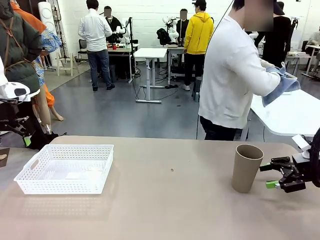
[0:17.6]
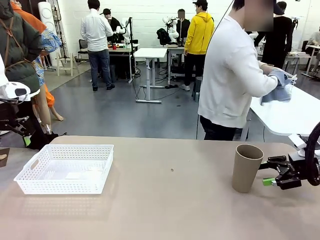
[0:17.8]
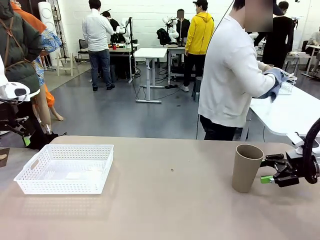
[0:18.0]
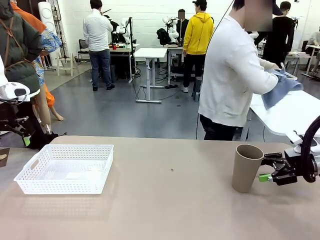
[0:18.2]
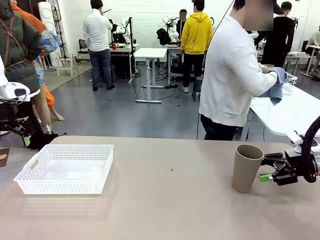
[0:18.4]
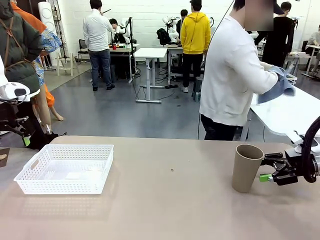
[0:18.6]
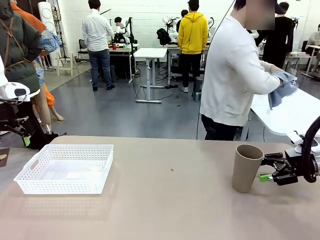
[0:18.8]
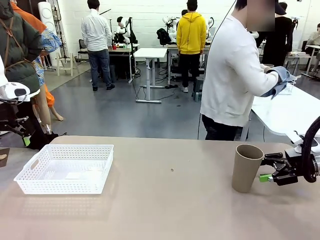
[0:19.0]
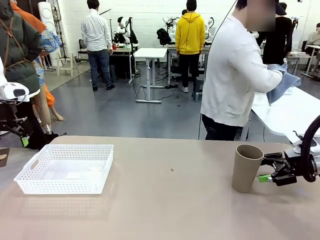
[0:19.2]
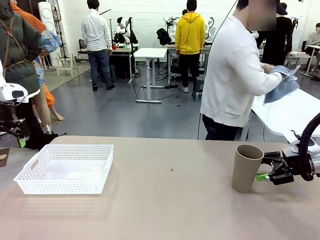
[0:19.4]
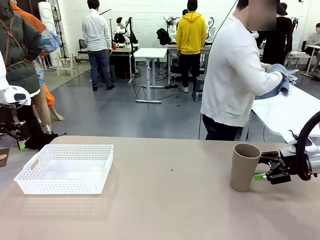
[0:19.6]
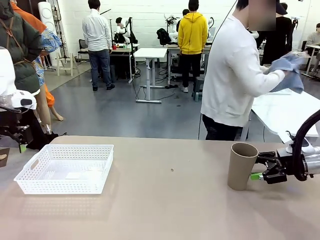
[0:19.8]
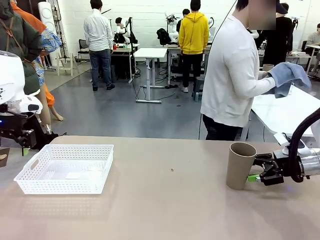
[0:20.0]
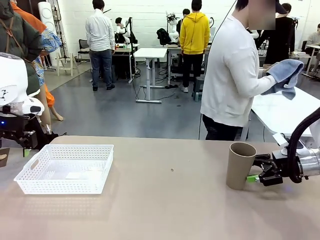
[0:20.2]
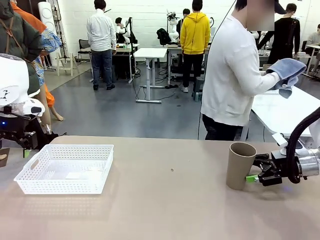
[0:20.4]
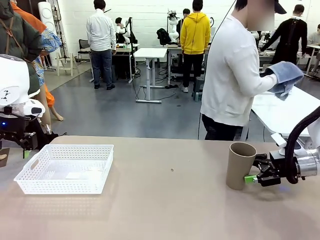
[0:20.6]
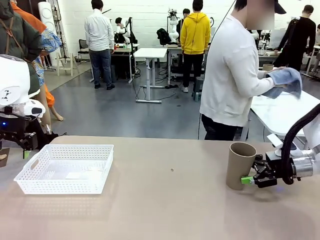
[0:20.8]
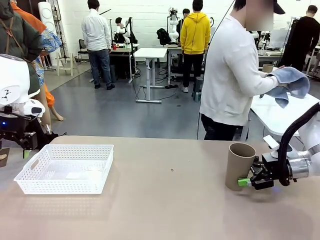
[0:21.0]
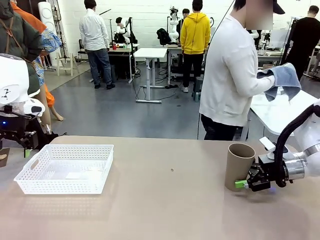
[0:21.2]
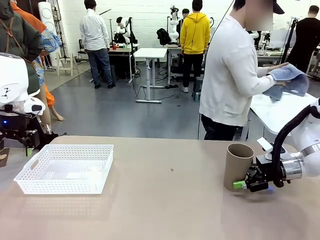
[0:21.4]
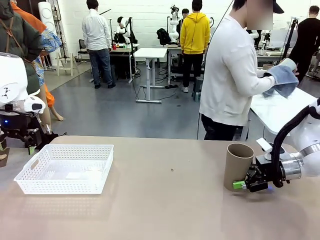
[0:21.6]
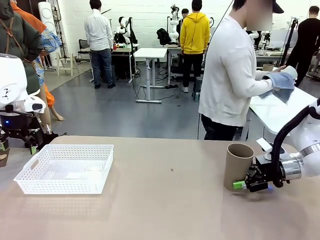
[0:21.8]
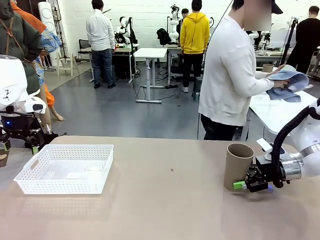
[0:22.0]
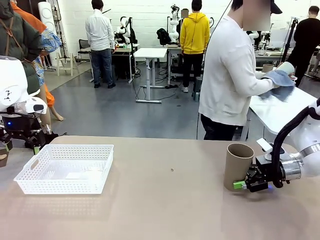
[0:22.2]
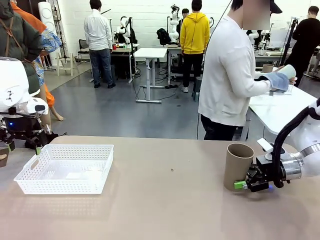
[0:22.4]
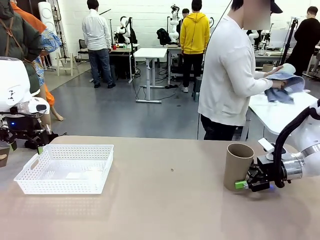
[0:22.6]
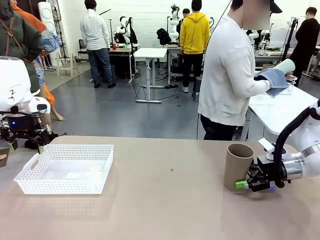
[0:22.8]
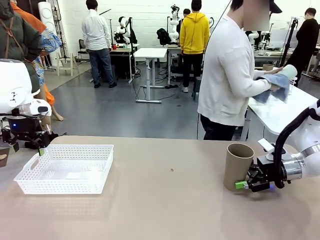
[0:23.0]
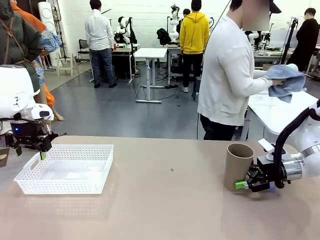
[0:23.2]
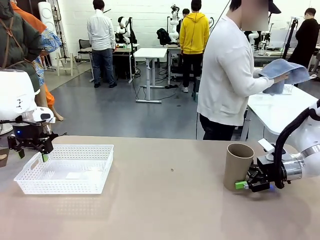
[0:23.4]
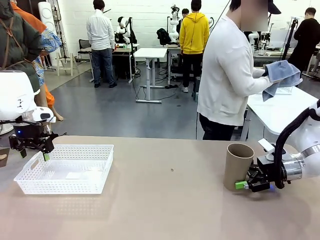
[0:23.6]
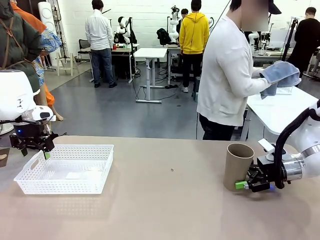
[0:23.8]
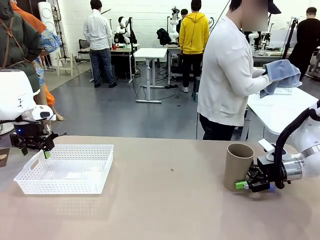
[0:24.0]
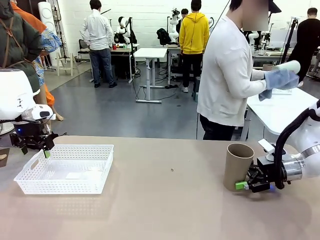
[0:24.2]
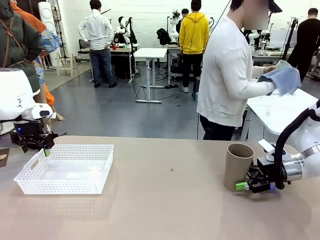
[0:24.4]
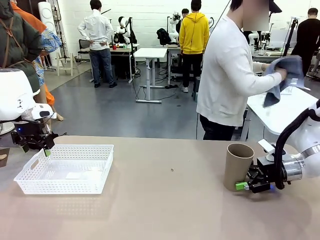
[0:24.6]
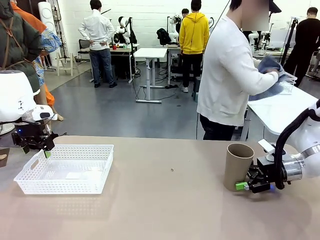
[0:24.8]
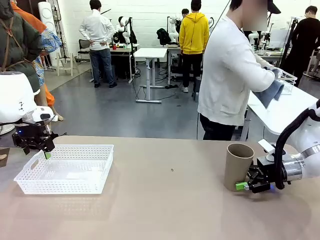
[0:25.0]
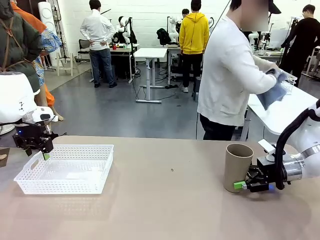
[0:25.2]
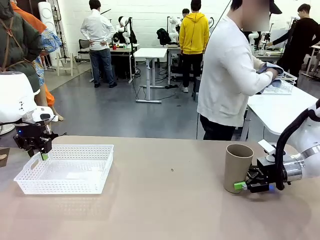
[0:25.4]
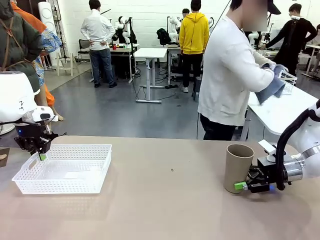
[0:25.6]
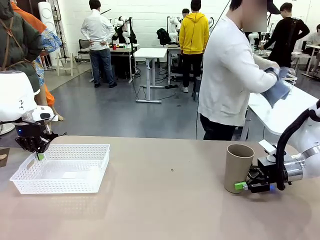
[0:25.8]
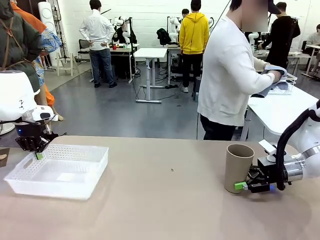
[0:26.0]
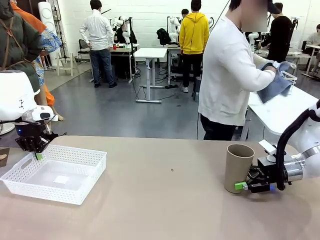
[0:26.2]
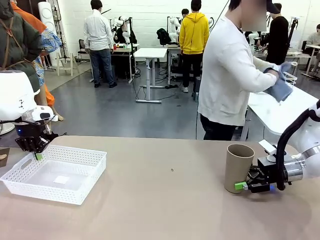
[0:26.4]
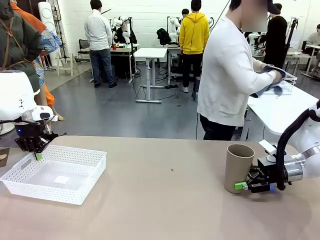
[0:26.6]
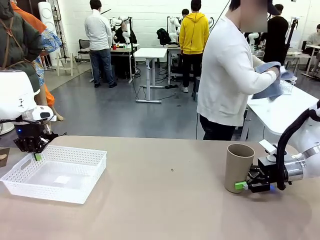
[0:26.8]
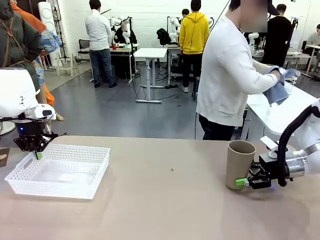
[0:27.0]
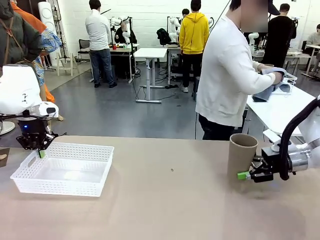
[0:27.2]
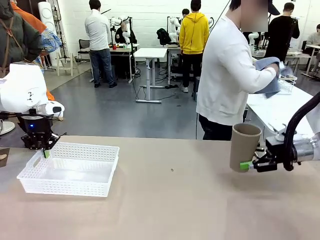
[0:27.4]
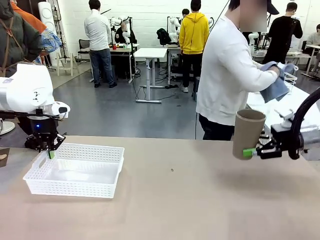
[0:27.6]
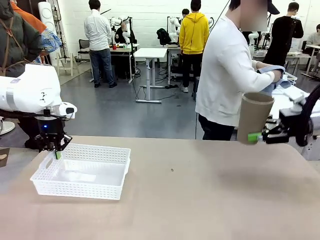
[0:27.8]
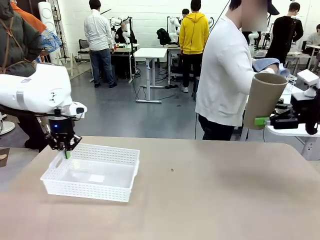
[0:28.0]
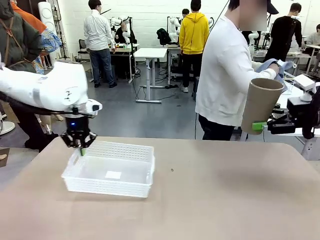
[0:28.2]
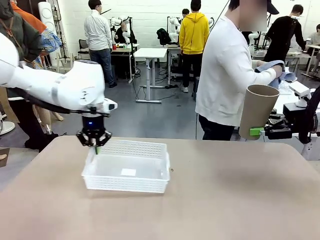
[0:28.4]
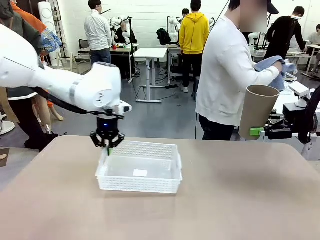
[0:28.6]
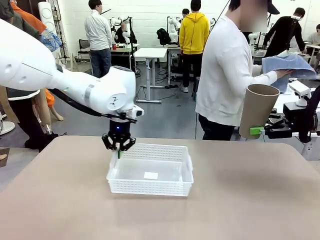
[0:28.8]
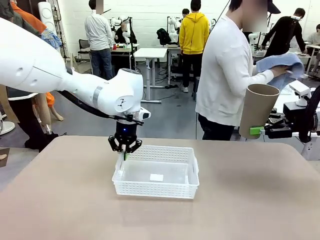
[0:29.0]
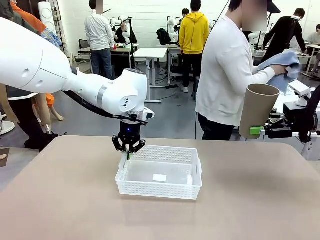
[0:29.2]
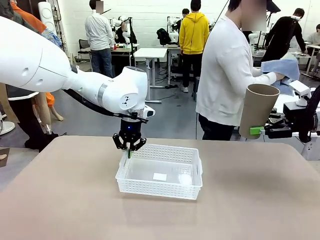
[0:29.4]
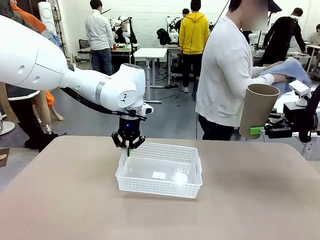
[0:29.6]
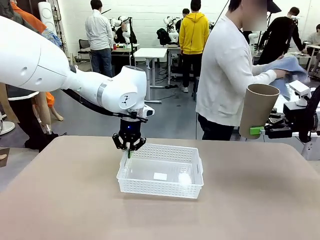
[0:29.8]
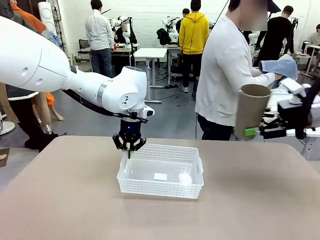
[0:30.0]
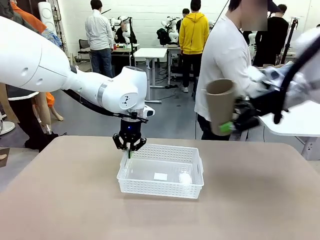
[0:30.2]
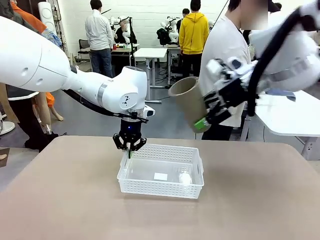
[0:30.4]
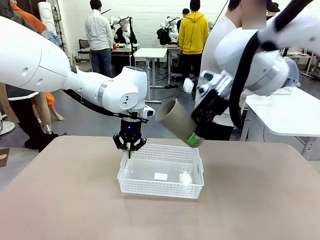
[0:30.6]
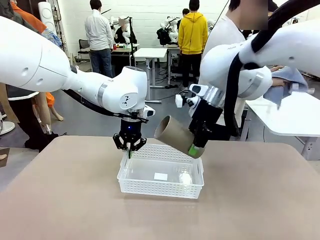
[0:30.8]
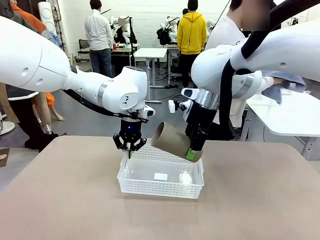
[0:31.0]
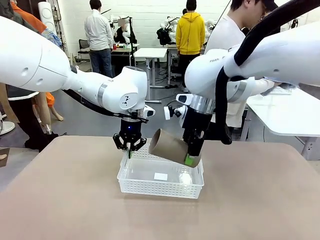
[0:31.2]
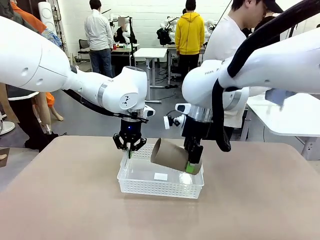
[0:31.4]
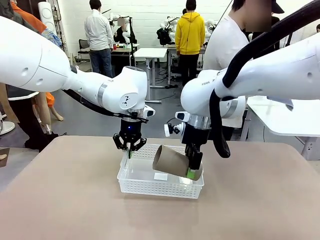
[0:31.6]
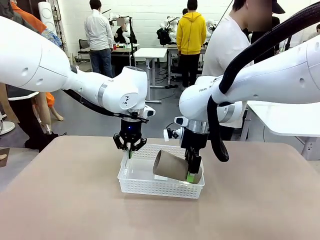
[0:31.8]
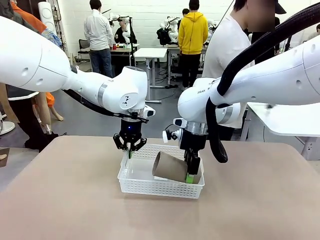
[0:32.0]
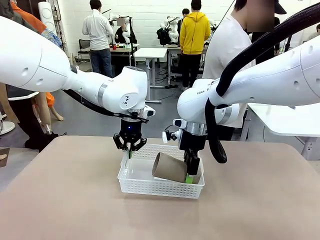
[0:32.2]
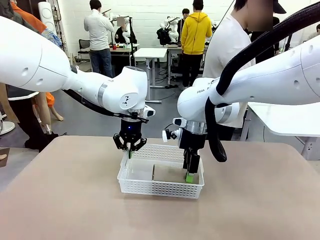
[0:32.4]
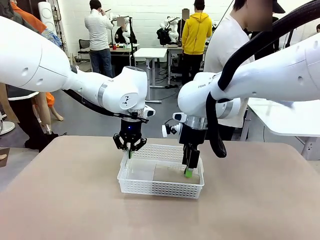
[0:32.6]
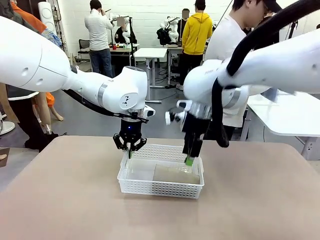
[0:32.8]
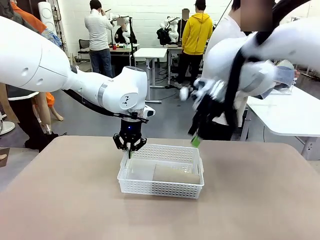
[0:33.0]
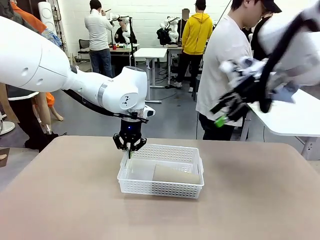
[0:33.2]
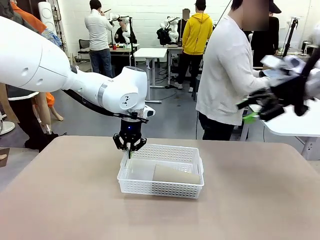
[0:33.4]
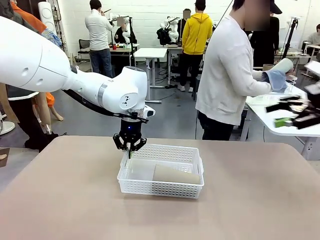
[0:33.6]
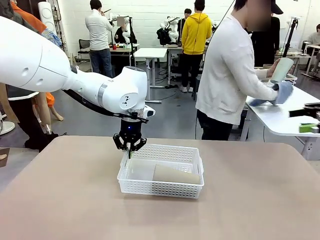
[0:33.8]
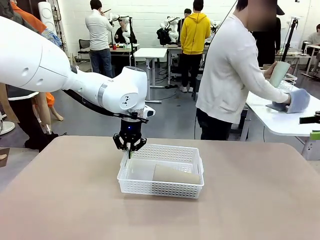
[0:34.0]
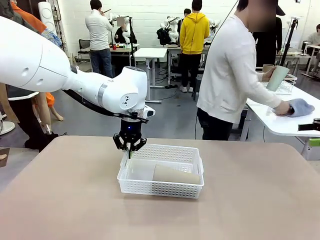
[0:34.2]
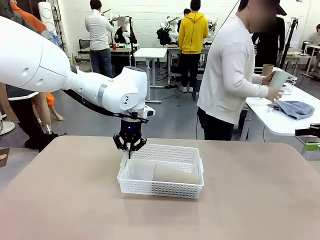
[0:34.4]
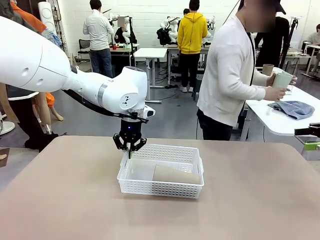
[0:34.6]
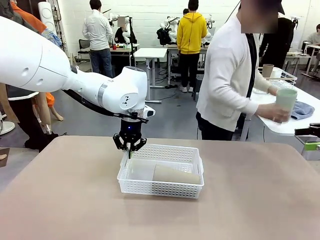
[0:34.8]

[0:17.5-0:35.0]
Task: Clean and organize the cups into the basket.
Robot: Pick up the Organizing basket and move it to the center of the table, then pick up the Reusable plastic cup from the right side of the table and place it inside the Organizing basket.
